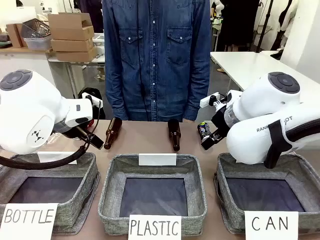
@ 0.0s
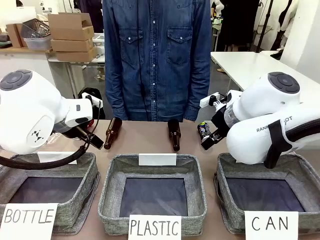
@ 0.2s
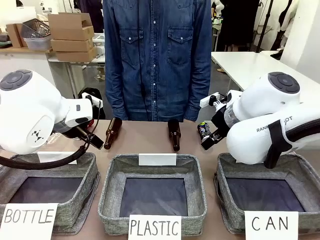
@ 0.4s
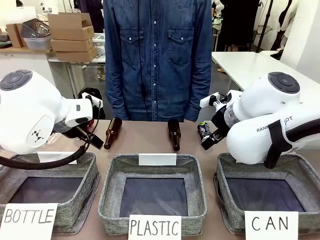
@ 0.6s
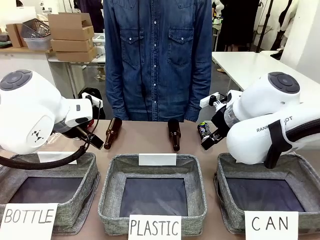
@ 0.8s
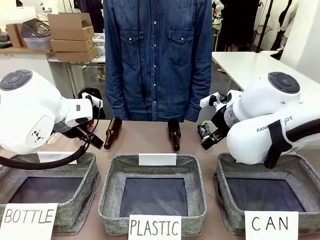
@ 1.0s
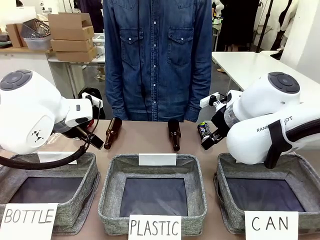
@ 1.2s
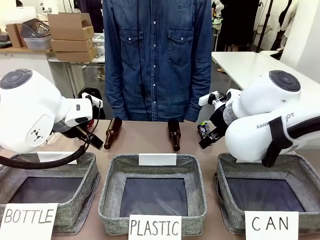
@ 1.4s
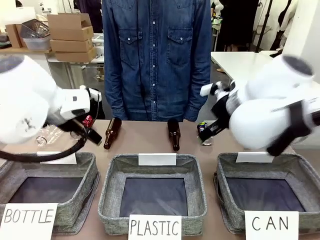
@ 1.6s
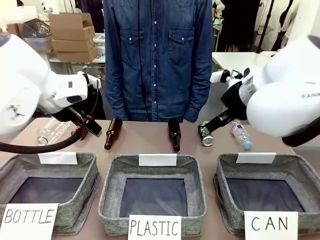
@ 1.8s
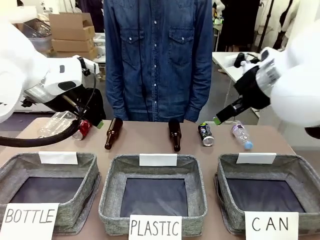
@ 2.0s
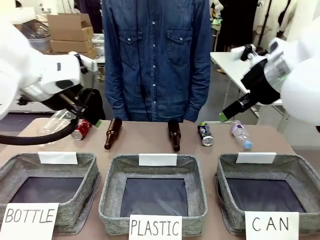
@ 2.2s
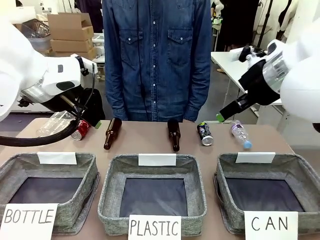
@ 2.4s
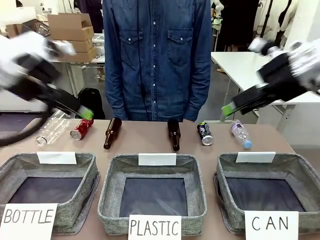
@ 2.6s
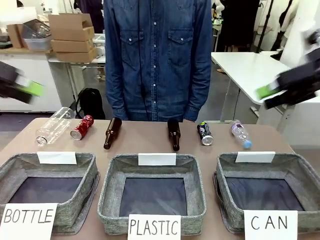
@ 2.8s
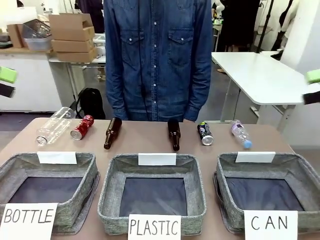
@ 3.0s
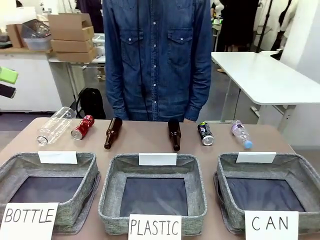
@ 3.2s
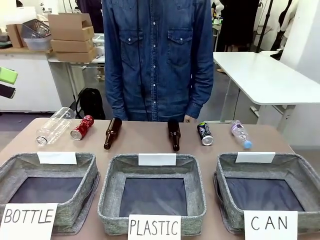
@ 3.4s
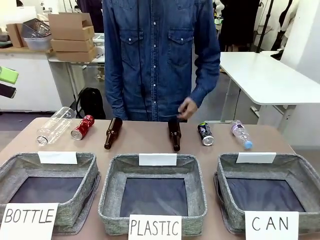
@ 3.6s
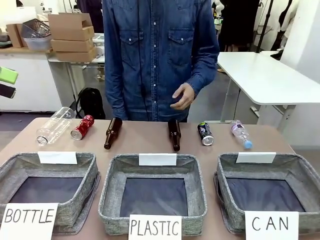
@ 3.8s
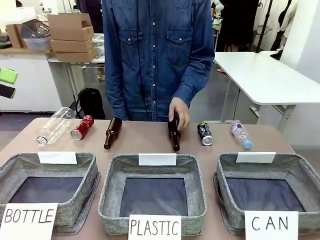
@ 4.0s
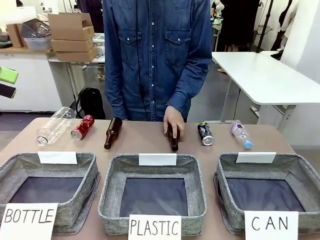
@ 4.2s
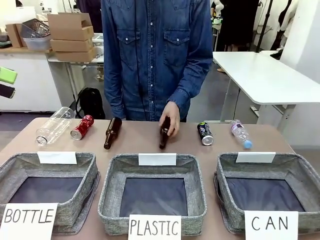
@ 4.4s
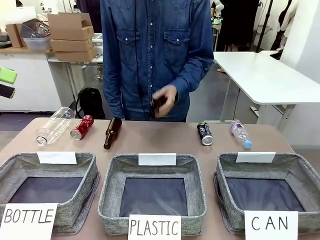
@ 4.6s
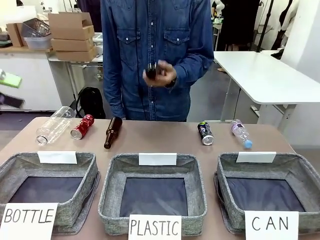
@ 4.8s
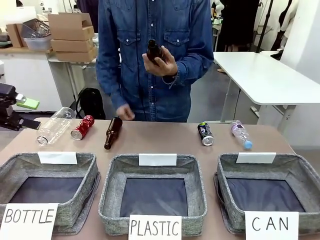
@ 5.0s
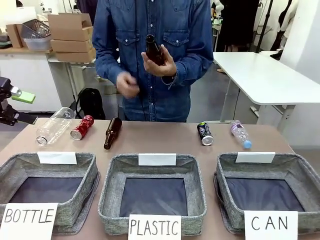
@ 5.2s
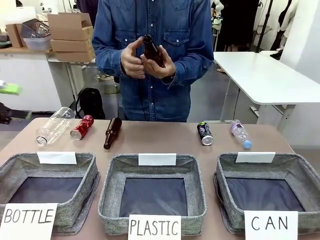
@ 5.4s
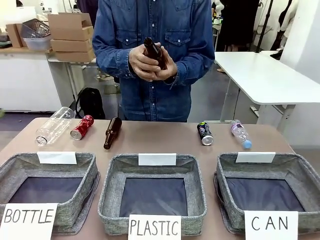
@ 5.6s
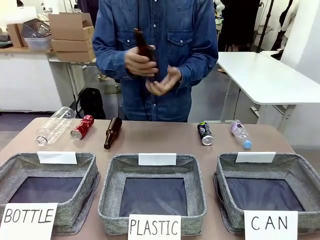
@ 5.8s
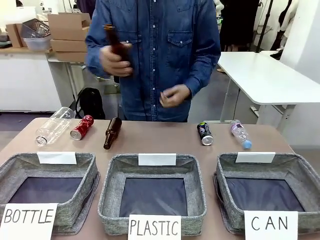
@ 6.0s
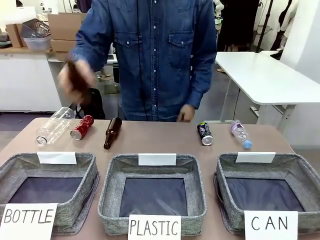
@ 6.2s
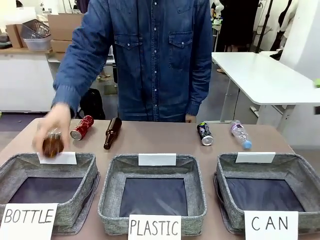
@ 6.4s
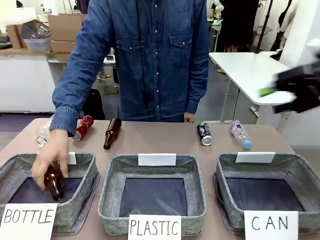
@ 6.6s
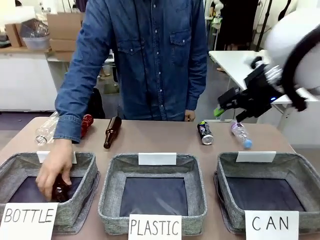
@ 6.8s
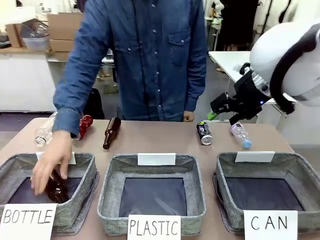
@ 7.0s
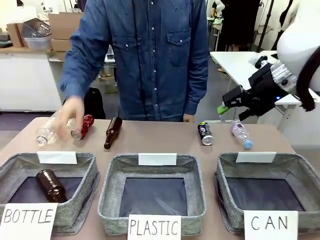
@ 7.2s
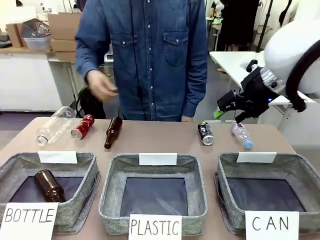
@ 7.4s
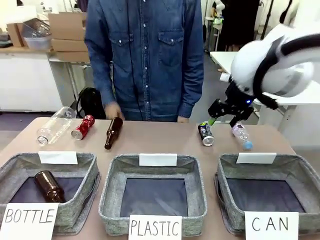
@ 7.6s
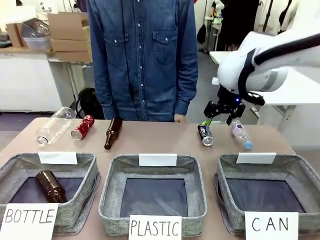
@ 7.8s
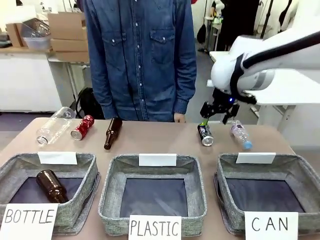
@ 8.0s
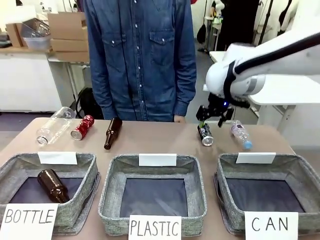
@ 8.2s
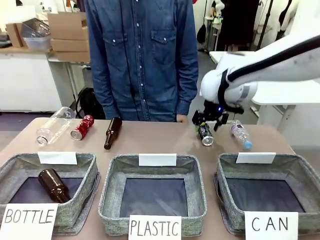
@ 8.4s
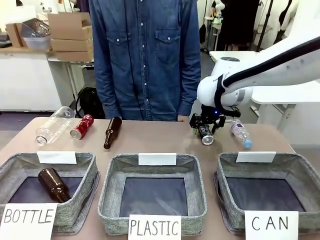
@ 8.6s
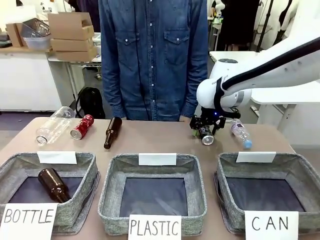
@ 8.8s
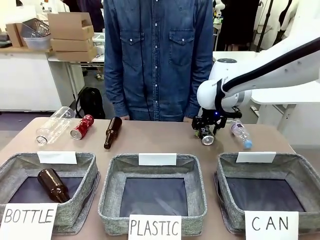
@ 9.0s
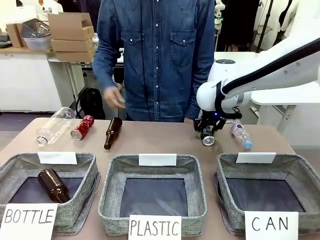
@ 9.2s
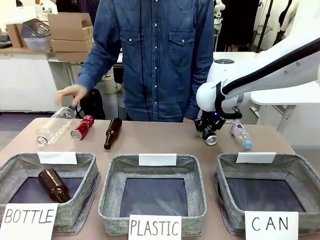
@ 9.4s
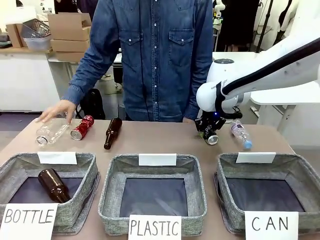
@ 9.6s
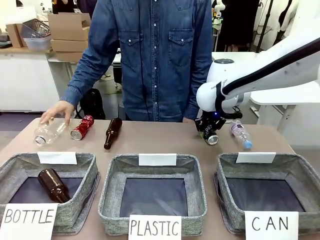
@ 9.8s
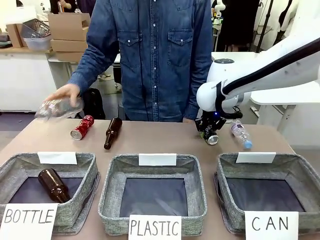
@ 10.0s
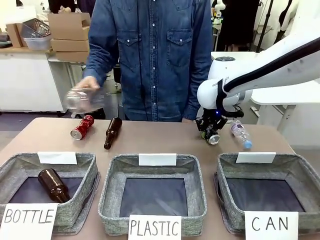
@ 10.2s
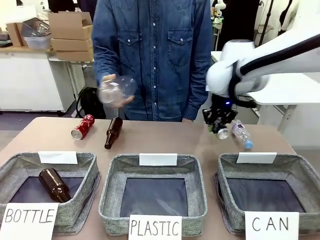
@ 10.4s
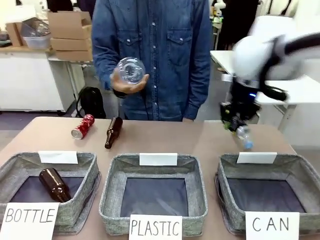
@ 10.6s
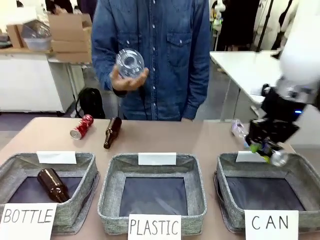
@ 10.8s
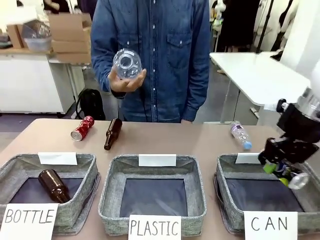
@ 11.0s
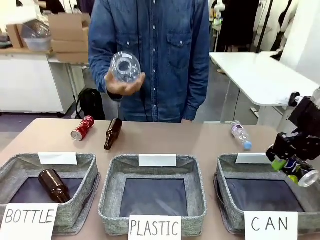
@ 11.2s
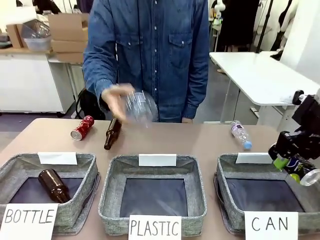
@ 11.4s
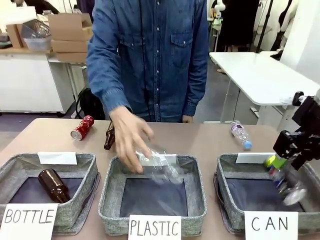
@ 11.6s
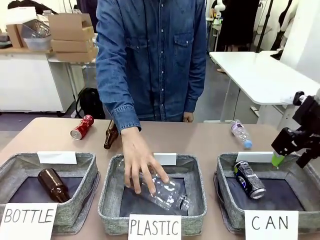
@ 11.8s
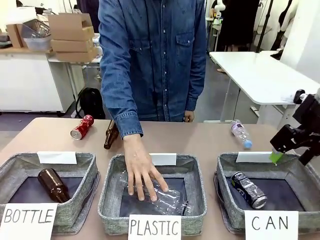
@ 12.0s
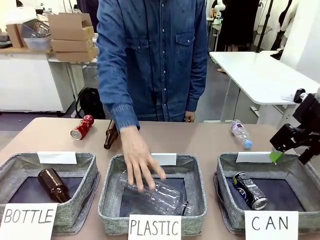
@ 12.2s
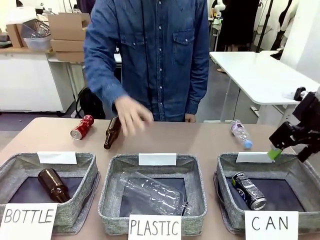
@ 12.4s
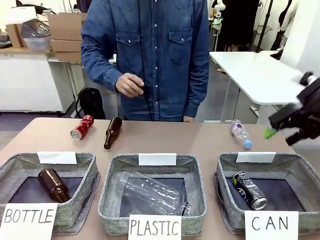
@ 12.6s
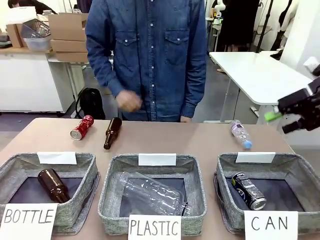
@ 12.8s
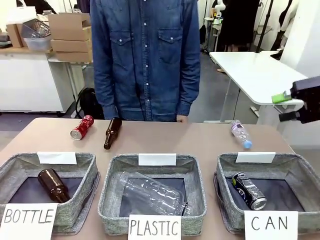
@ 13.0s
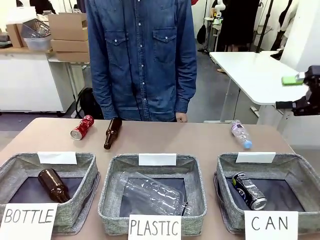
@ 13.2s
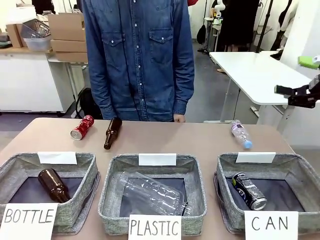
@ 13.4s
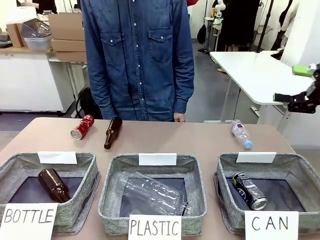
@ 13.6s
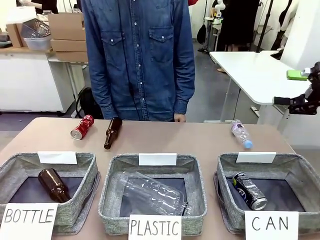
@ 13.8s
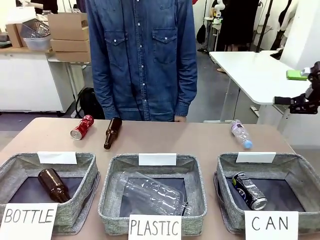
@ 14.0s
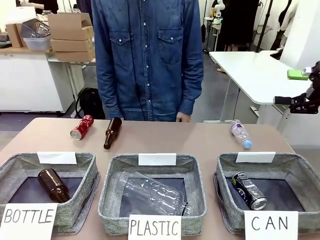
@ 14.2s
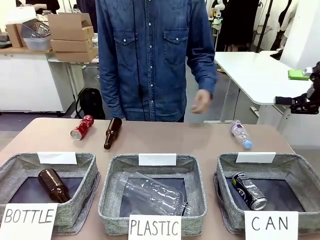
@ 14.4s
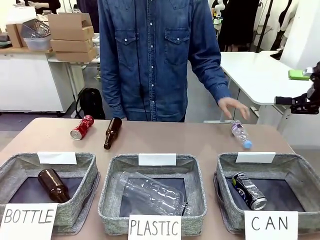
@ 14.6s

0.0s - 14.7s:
Task: Sort the can waste into the basket.
Robot: Pick up the can waste from the table and place it in the right Fabric basket.
